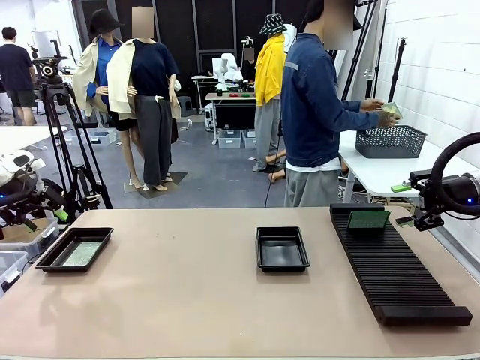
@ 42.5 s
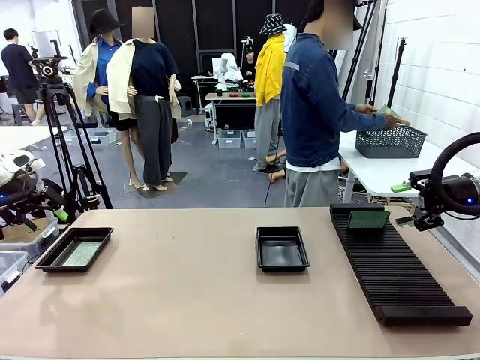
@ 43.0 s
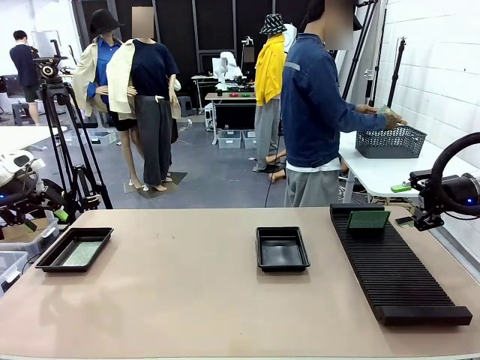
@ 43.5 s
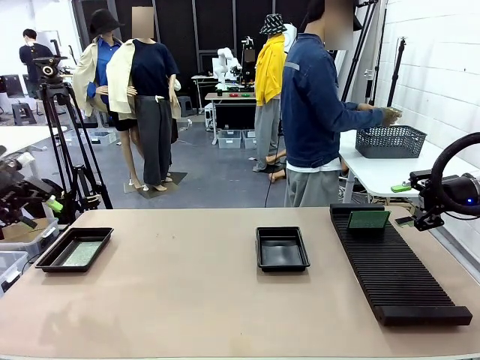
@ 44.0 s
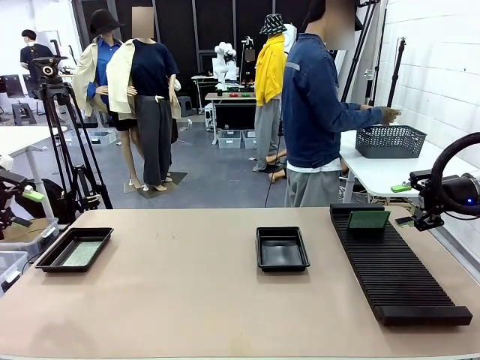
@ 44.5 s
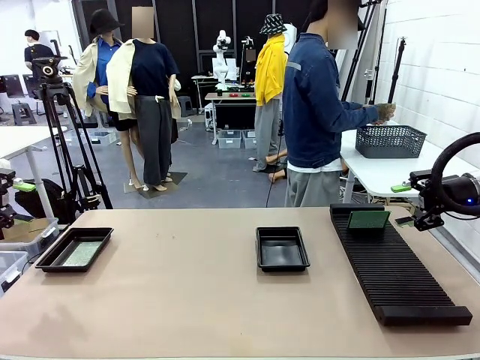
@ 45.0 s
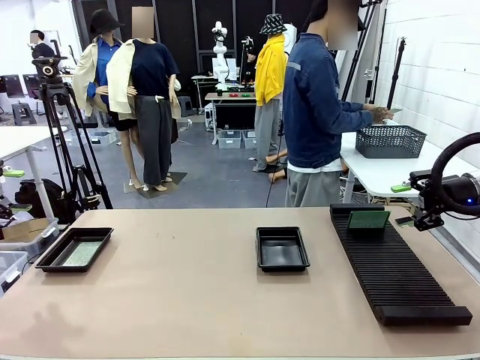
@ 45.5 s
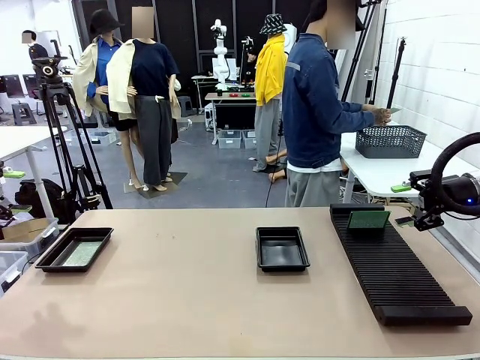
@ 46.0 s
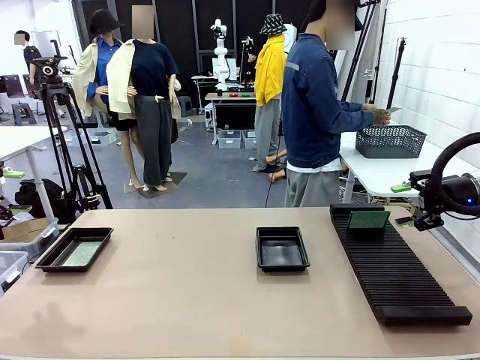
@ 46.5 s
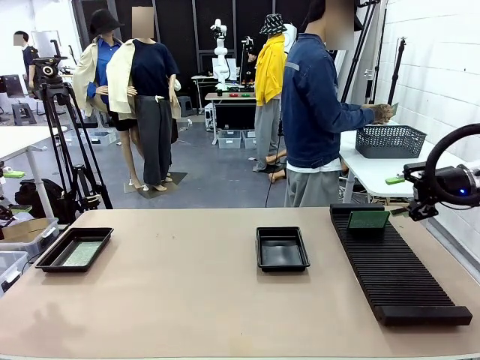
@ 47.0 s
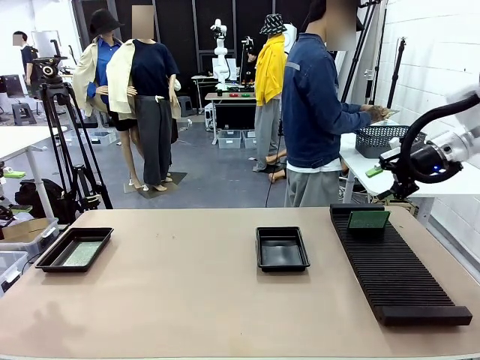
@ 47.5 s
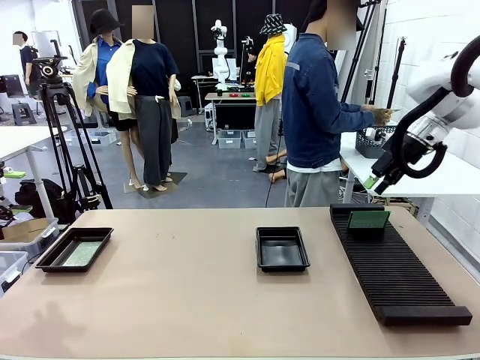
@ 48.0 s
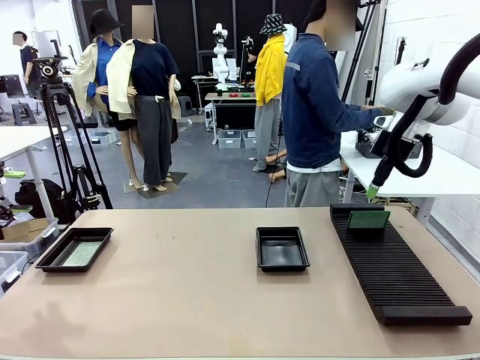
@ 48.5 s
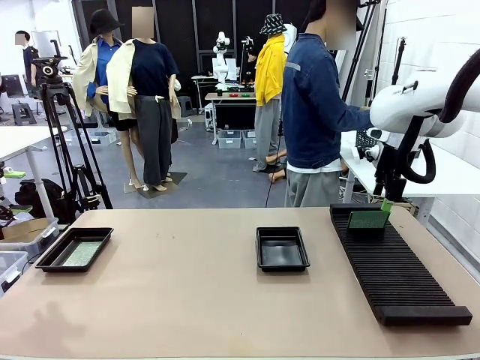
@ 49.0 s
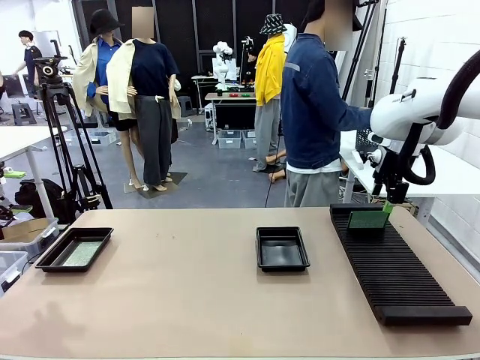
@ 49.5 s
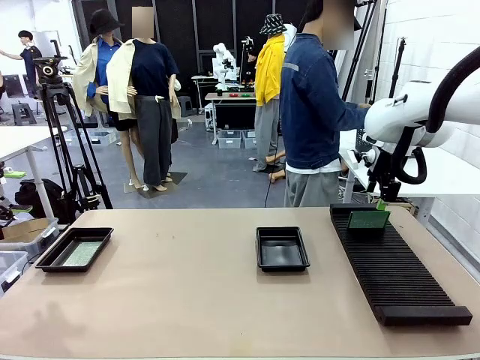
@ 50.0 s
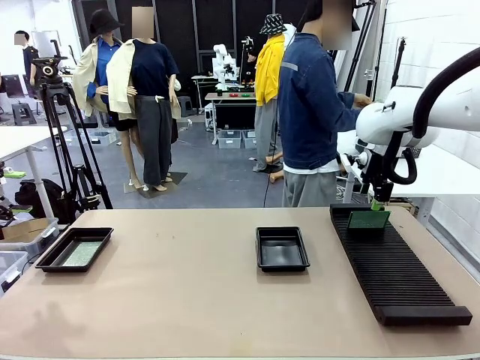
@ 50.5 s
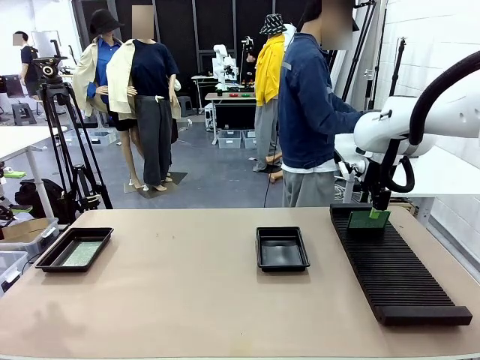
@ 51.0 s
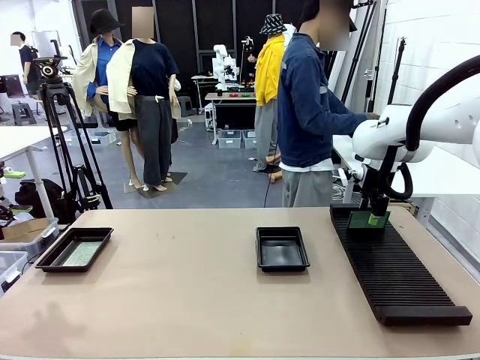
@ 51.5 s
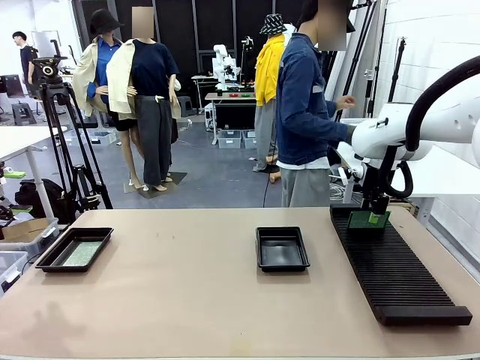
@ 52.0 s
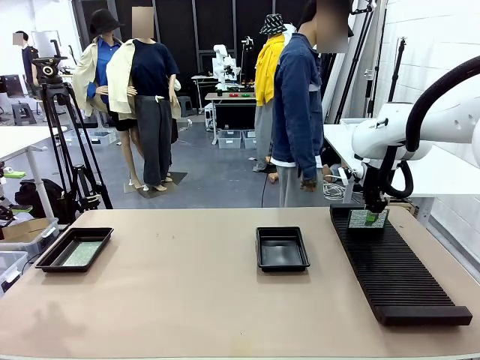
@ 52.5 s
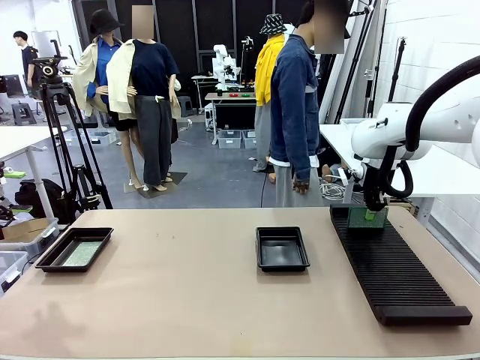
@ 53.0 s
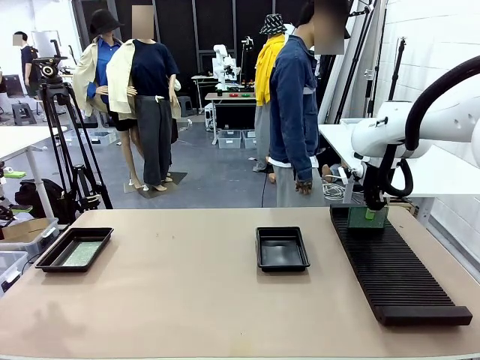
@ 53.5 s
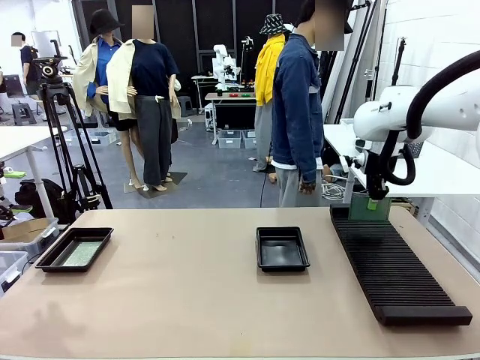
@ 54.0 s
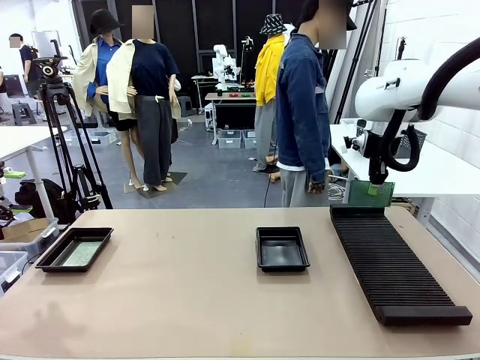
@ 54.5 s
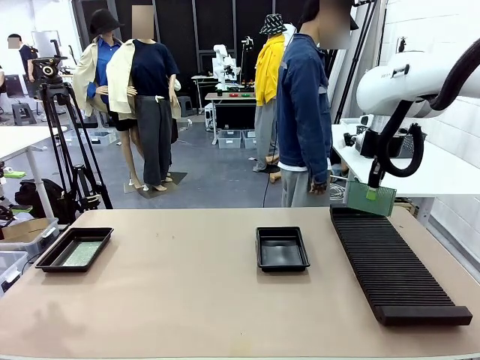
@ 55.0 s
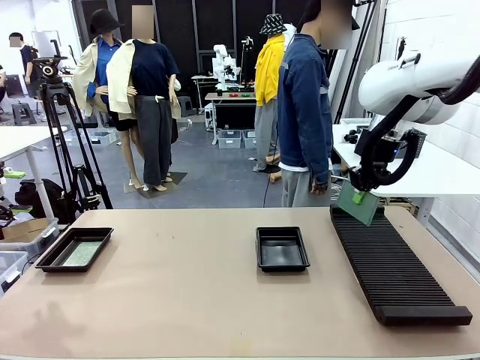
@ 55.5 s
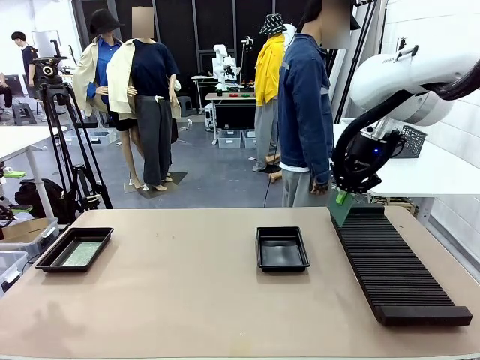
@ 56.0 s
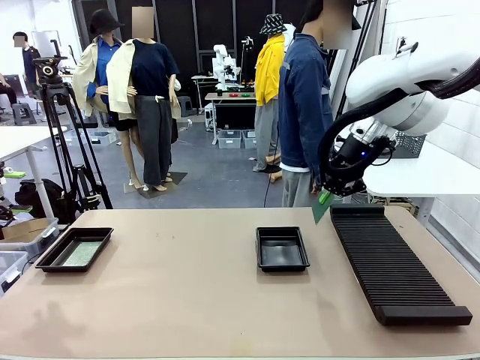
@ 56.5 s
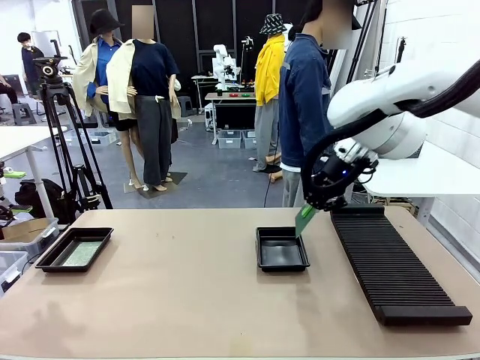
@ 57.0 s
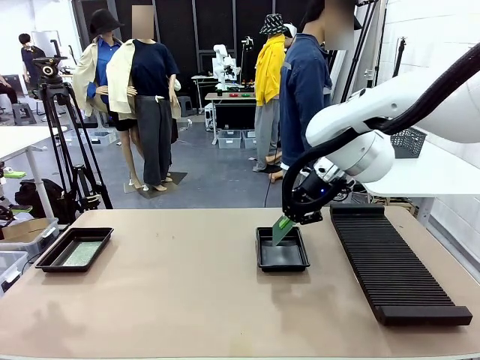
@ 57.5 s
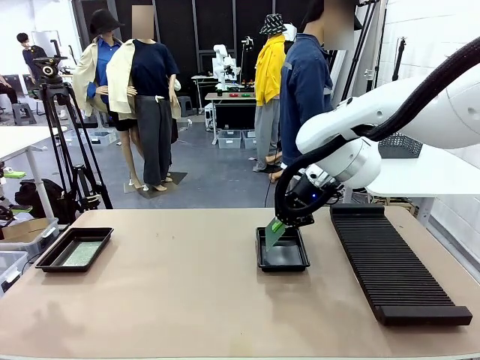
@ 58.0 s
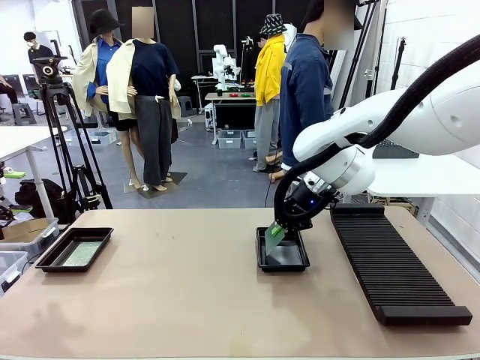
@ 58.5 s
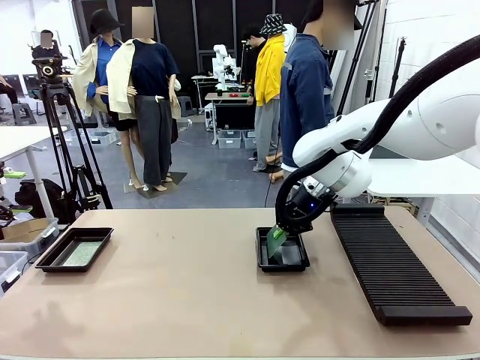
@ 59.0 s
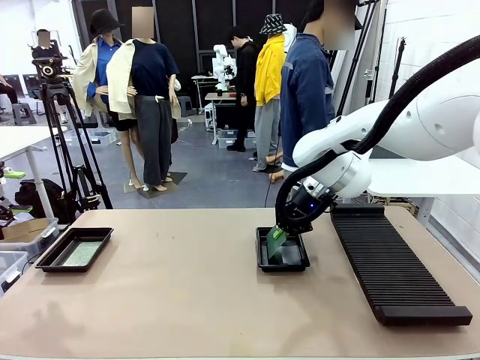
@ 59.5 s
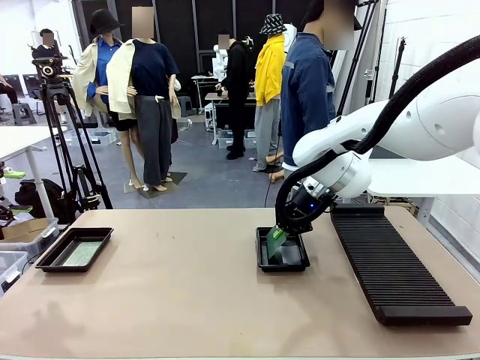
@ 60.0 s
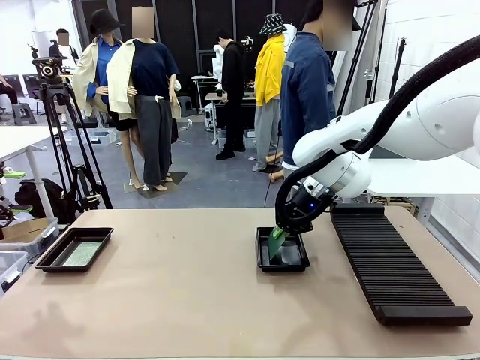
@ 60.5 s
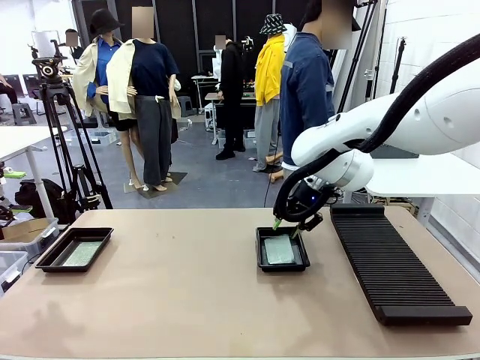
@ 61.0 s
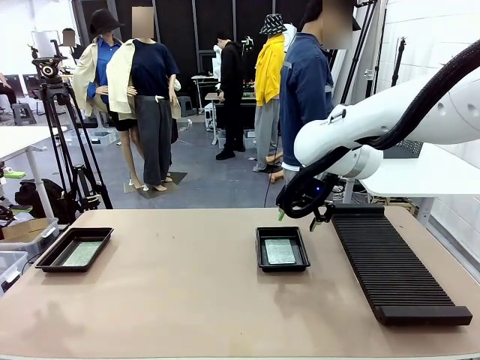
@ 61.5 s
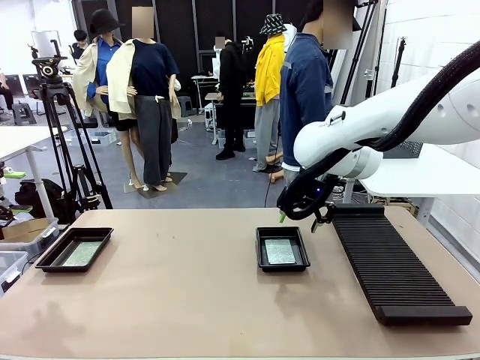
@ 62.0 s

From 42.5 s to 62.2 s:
Task: Inspect and transfer BCBs to ESD trays.
Robot: Pick up the Blank PCB from the PCB Rack and place it in the right ESD tray.

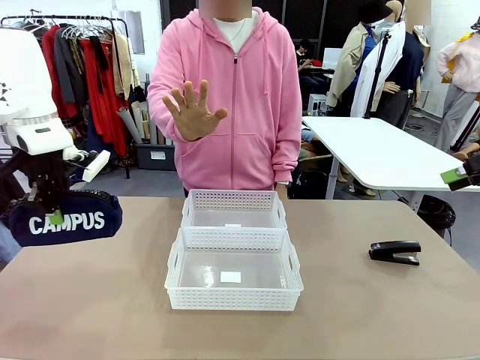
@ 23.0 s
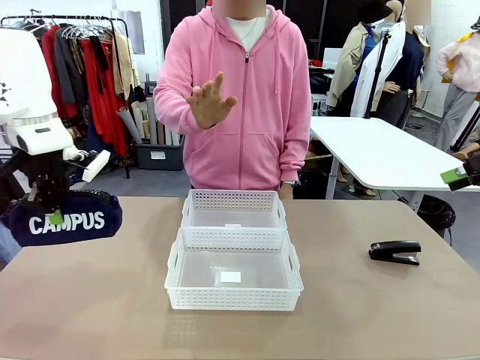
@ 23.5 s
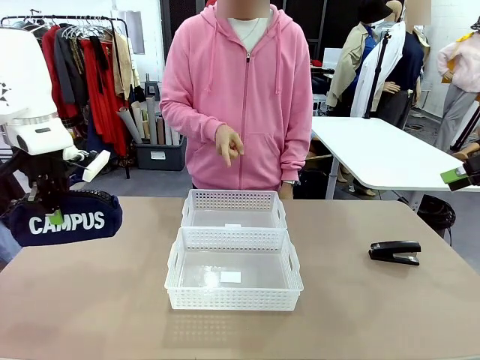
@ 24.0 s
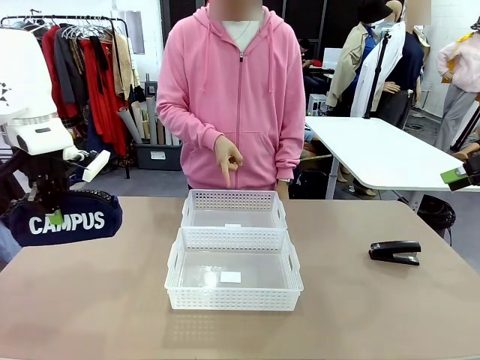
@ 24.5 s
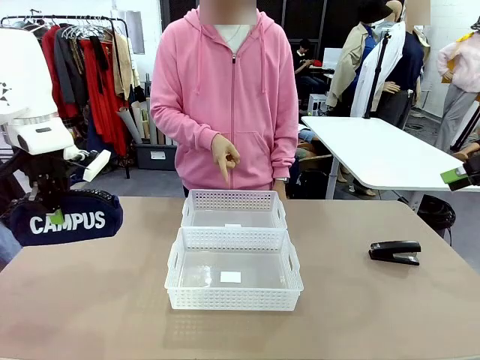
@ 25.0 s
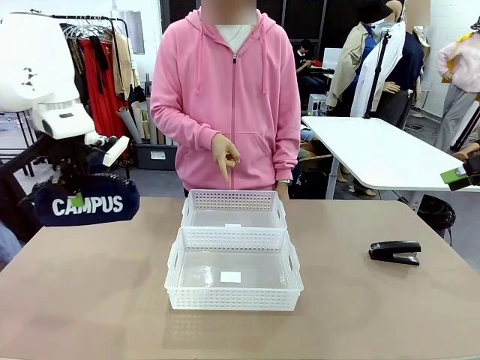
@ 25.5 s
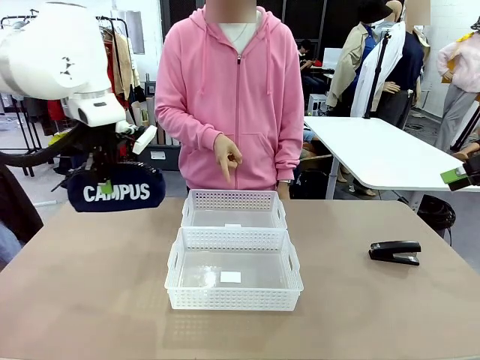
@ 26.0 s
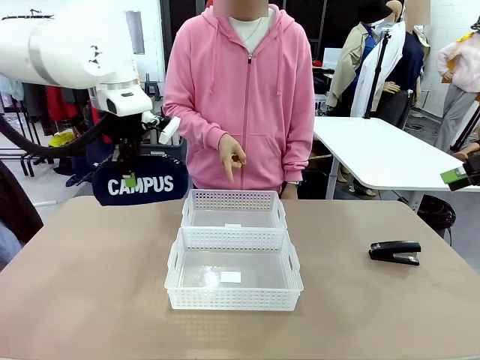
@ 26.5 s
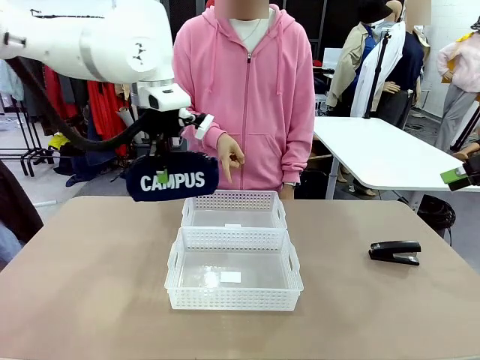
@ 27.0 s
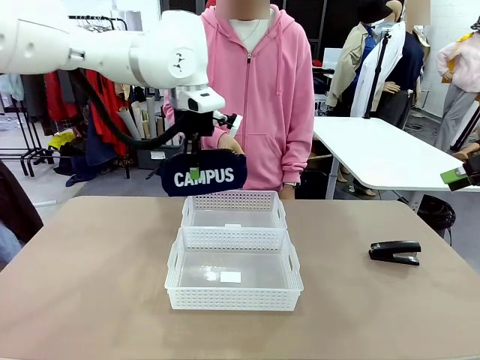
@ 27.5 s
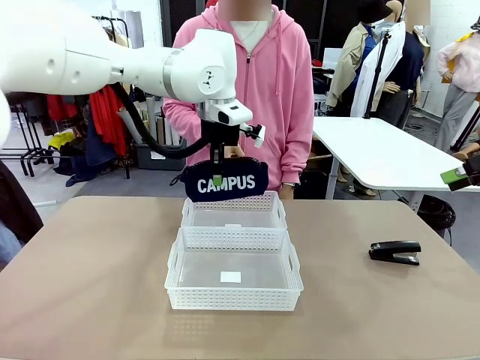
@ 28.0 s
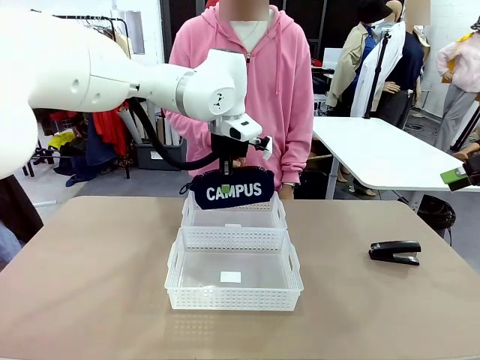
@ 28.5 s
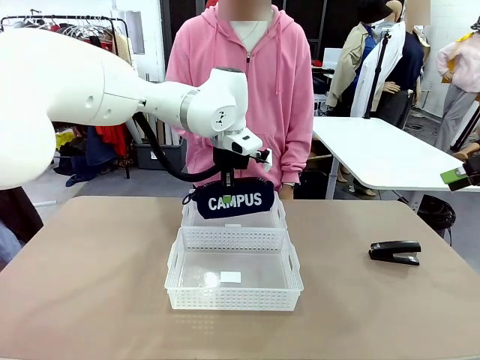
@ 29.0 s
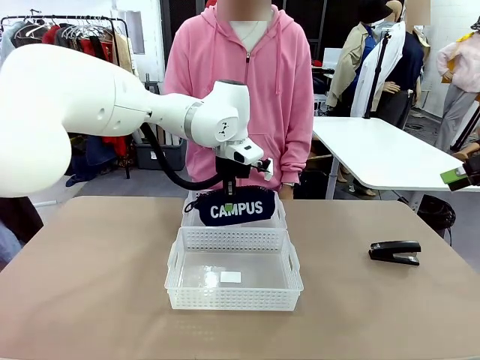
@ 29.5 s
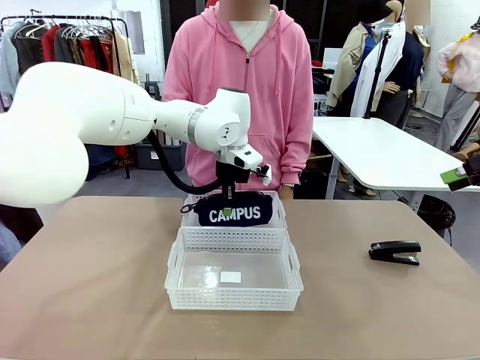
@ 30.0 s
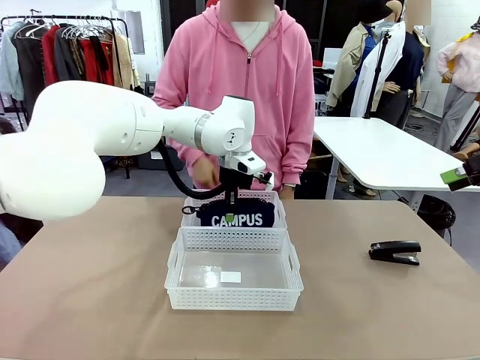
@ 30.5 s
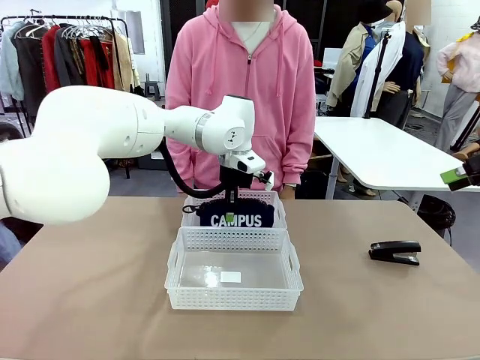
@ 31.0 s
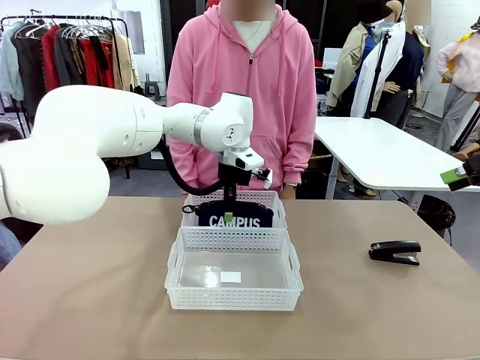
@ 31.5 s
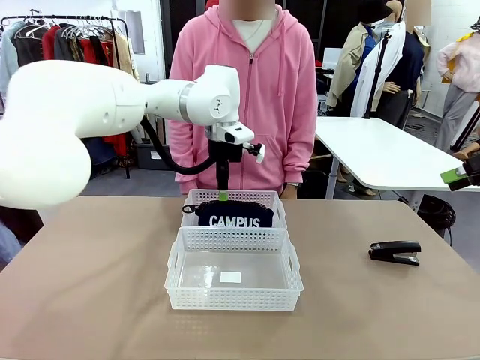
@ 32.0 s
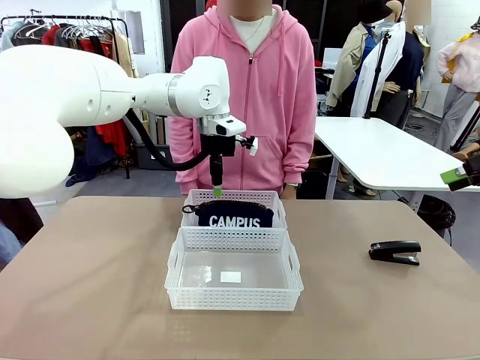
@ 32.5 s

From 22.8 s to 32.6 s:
Task: Distribute items into two baskets.
Robot: Place the picked Pencil pouch into the Organizing basket as instructed by the person.
Person: Instructs the robot to place the pencil case into the opposite basket. Points to the stapler.
